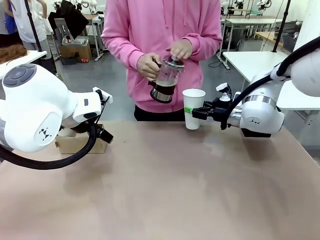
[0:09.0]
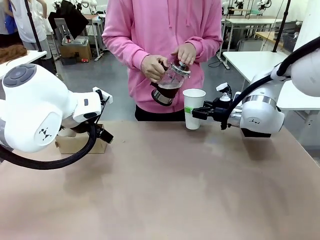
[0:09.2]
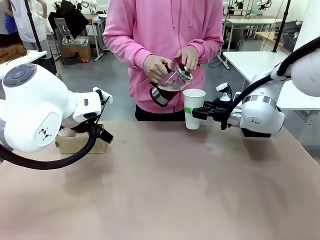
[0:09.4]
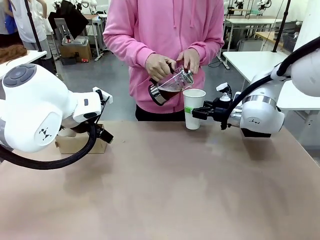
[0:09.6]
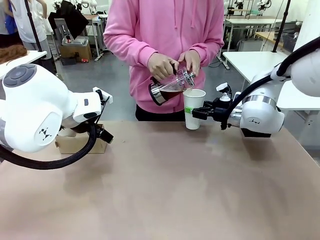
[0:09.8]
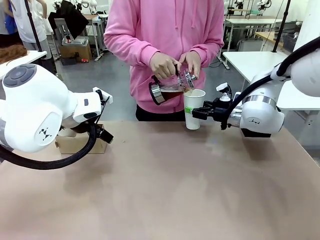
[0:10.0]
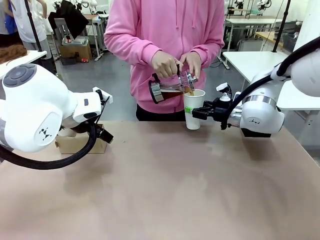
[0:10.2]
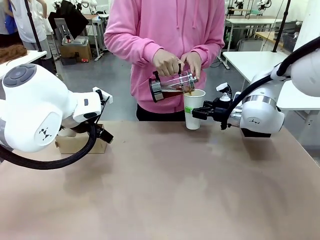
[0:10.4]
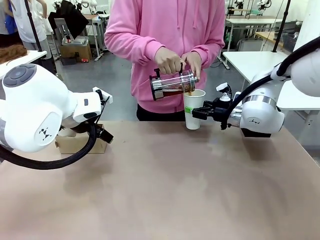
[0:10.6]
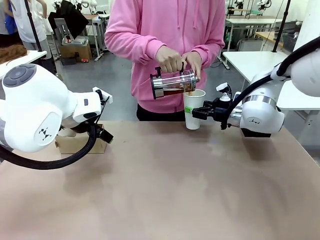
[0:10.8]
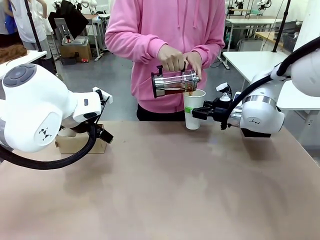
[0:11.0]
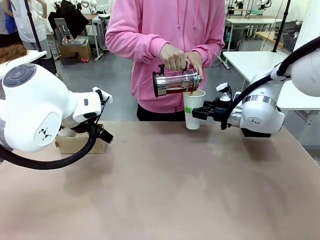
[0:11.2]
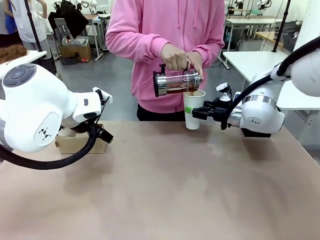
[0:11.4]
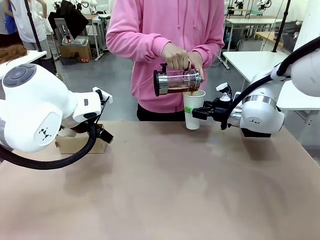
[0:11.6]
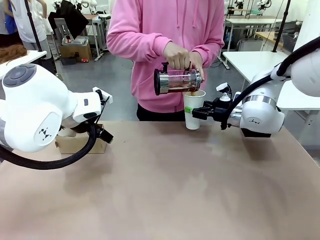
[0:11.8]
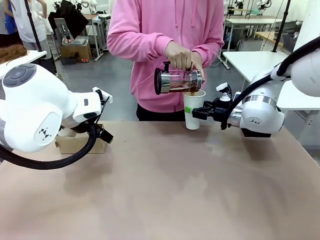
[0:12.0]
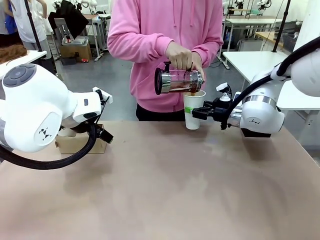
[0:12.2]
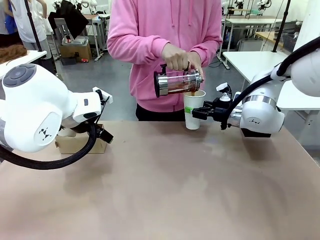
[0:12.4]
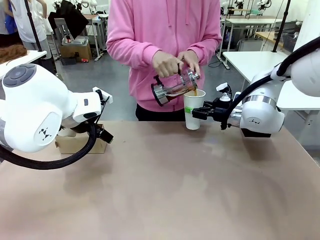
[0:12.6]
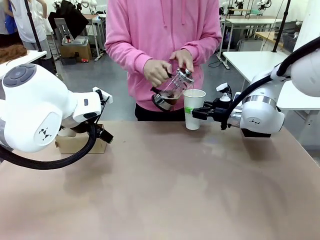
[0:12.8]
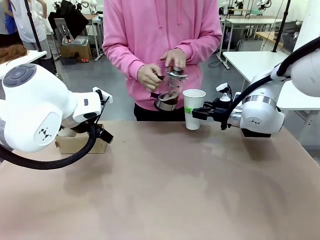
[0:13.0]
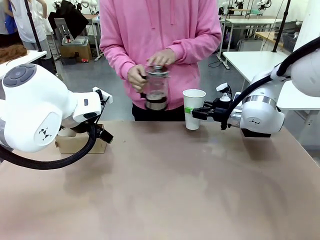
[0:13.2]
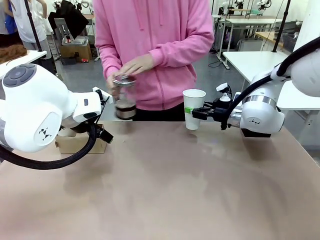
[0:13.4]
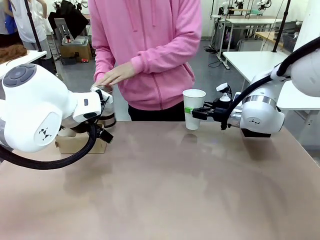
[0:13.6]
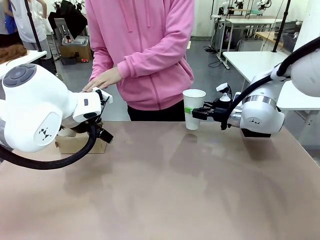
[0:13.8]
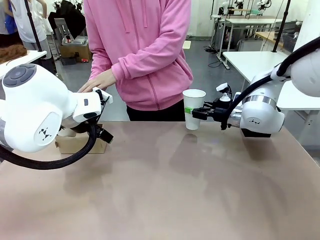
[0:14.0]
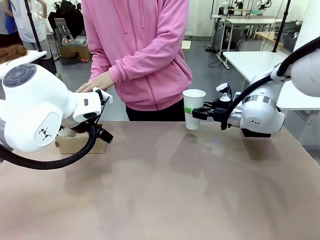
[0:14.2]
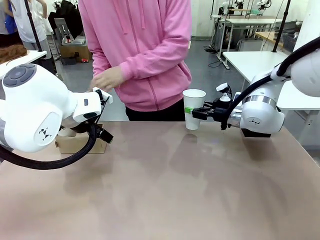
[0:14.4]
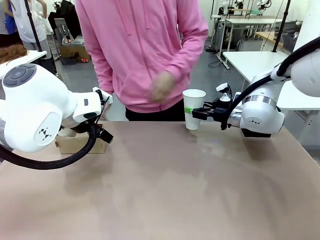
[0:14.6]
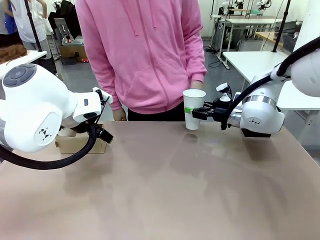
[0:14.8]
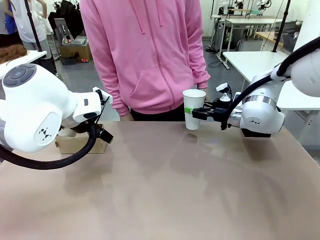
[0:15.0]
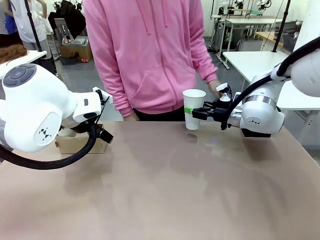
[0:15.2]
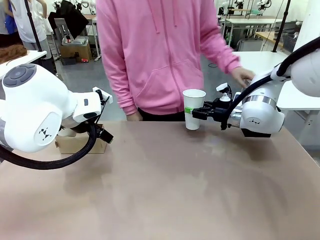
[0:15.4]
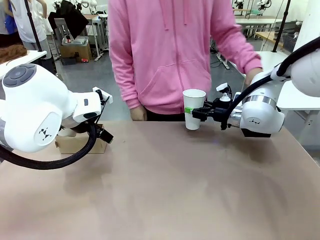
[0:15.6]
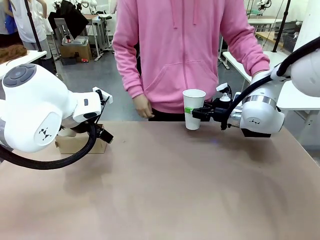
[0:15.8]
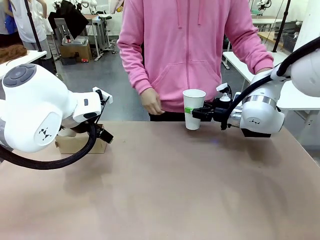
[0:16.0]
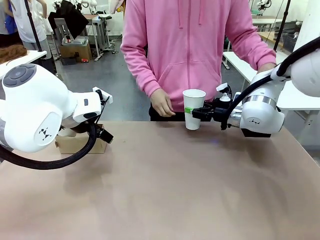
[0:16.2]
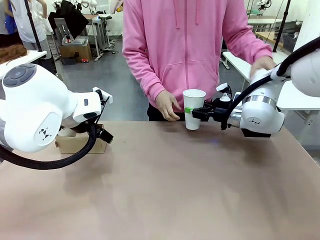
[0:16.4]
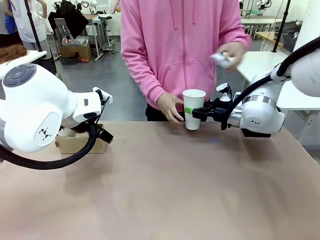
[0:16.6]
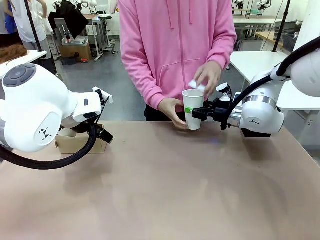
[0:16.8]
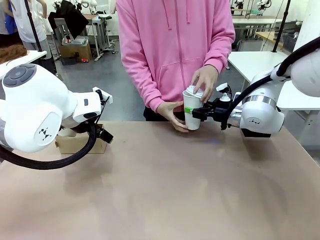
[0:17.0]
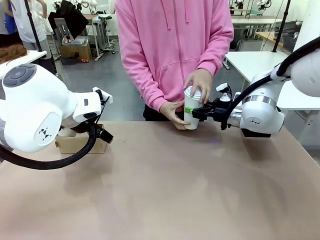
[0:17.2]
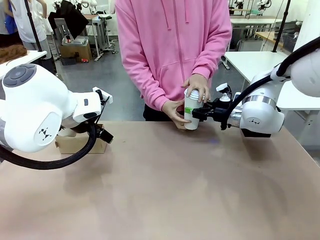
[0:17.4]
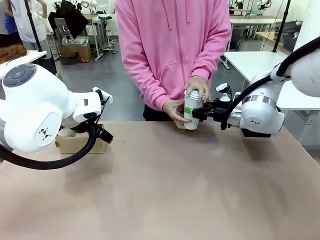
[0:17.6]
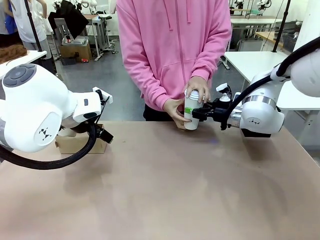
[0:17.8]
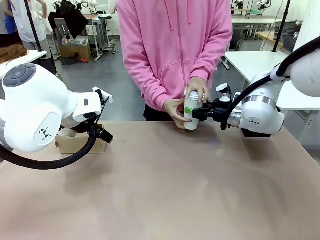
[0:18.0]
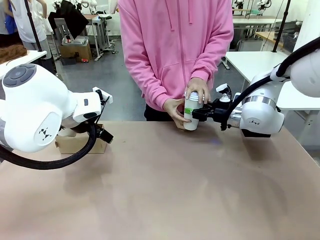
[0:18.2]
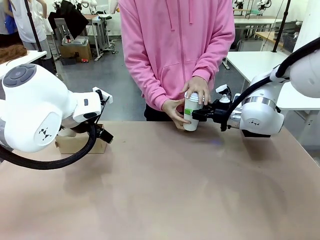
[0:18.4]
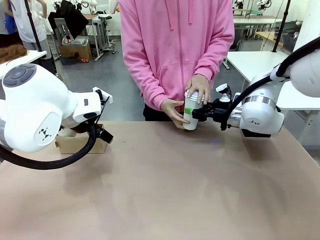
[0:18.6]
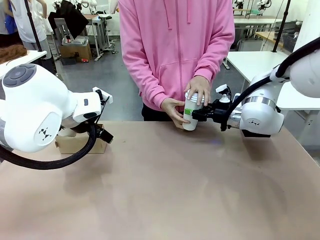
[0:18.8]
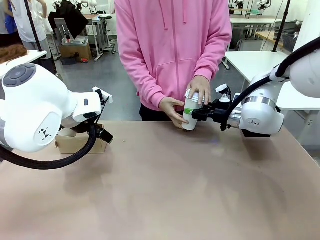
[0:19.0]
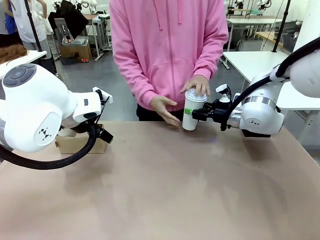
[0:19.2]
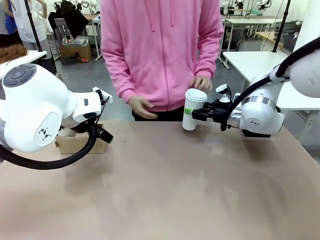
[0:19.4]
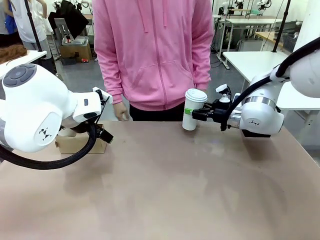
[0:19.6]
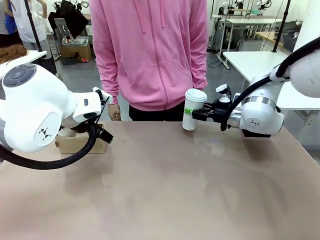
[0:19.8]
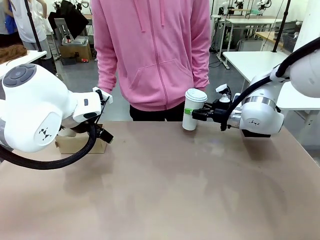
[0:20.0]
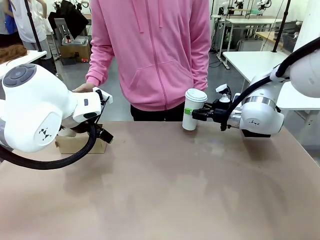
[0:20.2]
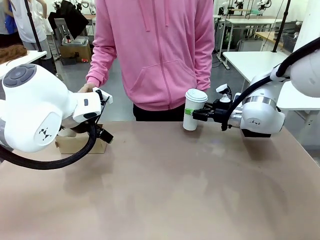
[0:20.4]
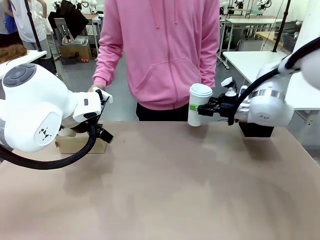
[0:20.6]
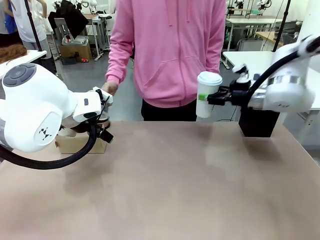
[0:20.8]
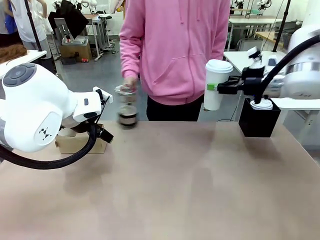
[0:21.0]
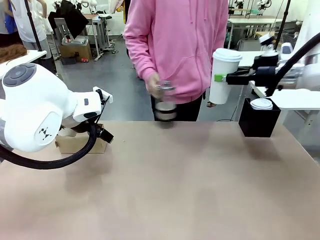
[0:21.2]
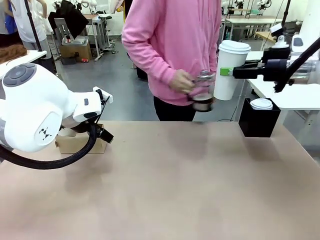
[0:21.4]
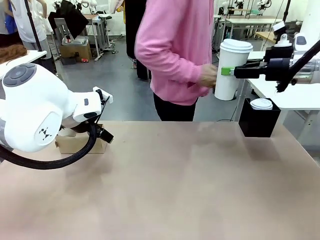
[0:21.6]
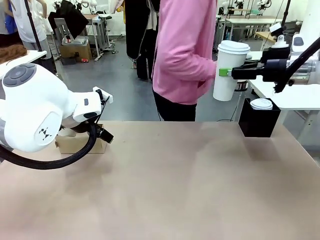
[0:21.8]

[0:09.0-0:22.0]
Task: Pour a drink into a cup and package it in a carrier.
Robot: When a person places the Paper Cup Lid on the 600 ml Paper Cup , lift the 600 ml Paper Cup.
Person: Pour the drink from the Filter Brewing into the 600 ml Paper Cup. Place a Paper Cup Lid on the 600 ml Paper Cup.

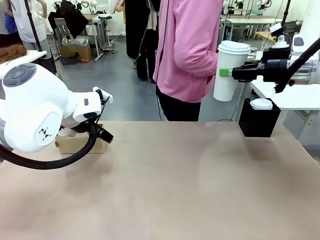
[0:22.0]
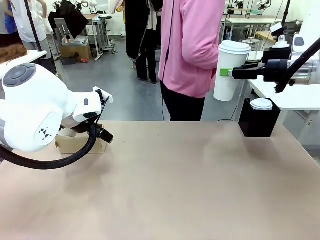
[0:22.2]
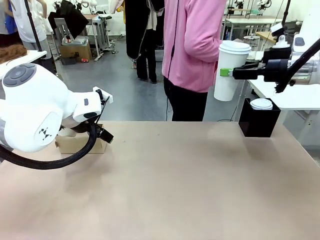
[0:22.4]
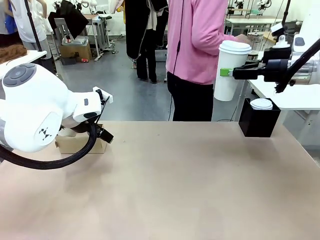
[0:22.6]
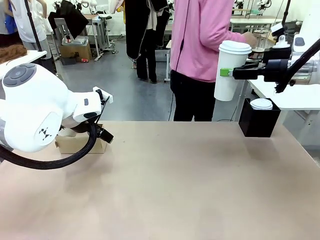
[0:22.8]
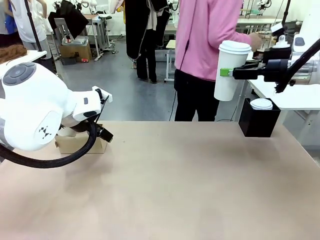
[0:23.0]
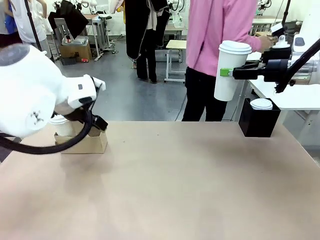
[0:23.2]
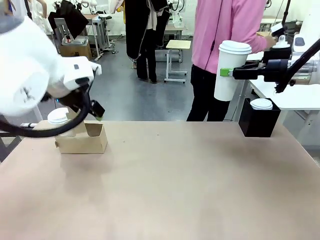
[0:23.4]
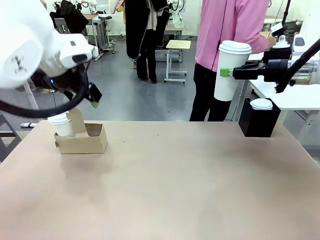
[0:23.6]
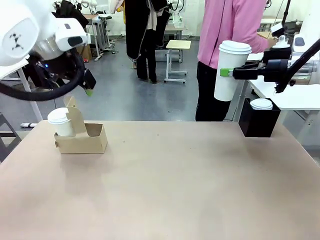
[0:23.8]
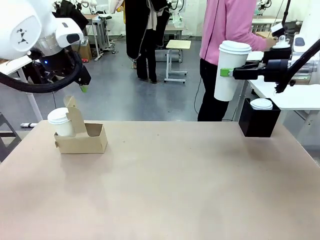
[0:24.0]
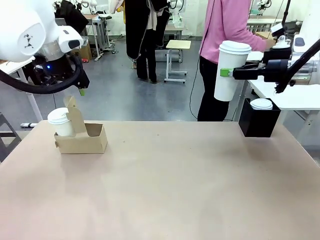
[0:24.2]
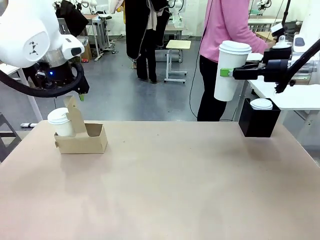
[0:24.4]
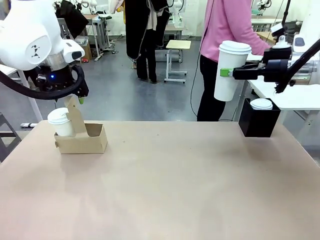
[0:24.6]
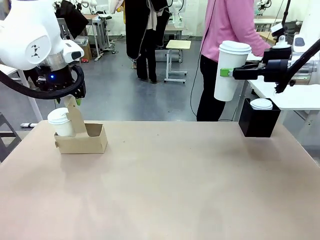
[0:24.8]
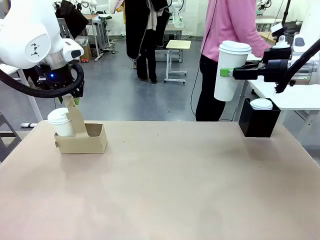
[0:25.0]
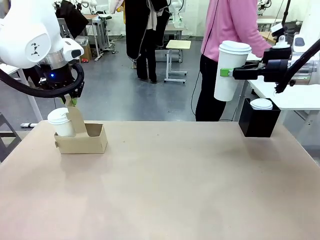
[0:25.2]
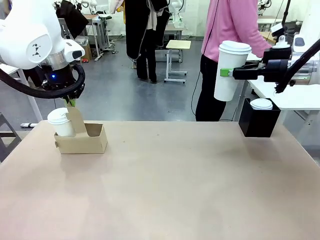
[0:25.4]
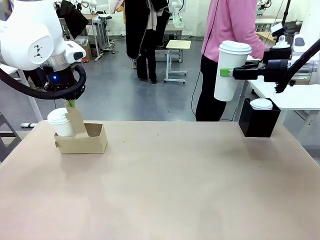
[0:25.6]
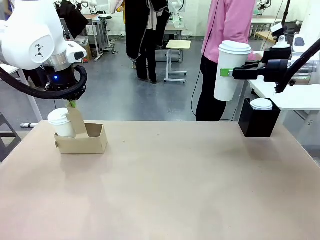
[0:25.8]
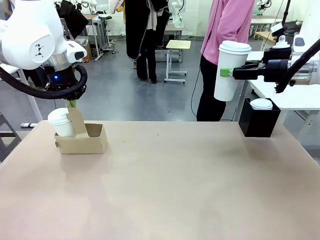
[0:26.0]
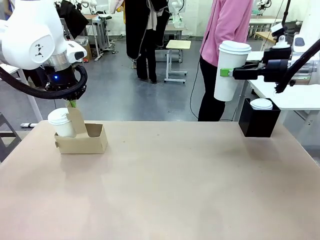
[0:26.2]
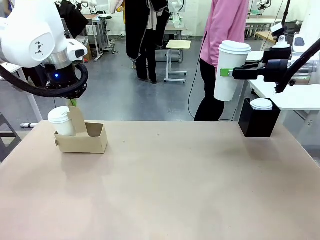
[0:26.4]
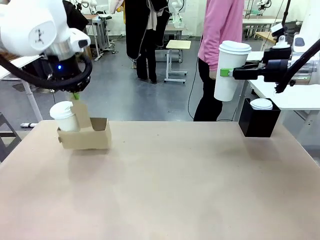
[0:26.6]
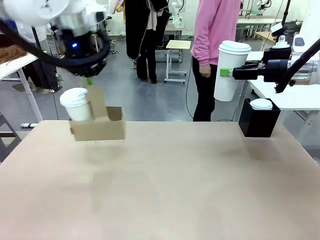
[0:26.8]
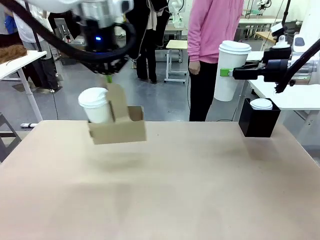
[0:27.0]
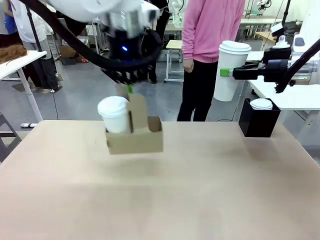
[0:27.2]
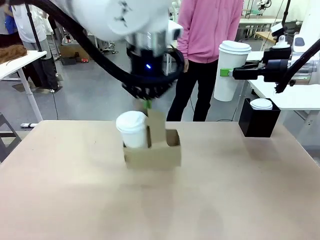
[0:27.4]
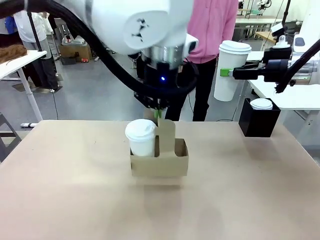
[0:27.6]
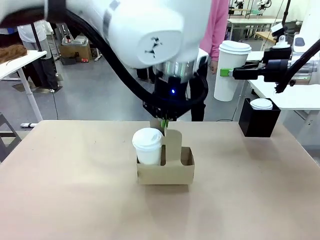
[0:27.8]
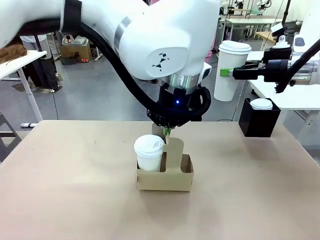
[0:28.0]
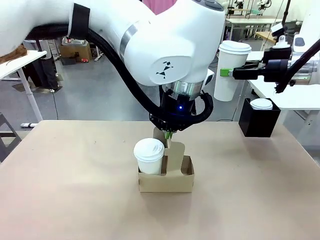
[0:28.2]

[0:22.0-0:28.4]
Robot: Position the Cup Carrier in the center of the table.
Person: Pick up the Filter Brewing and place on the middle of Human table, and return to the Robot table.
